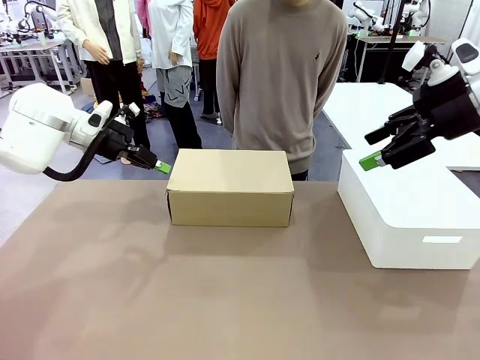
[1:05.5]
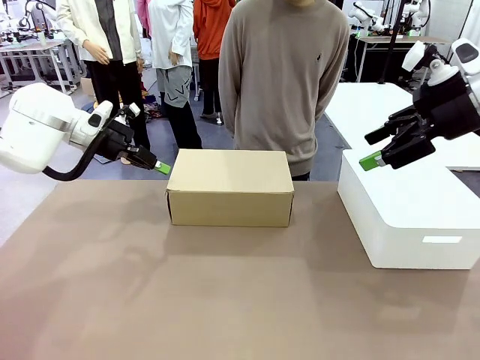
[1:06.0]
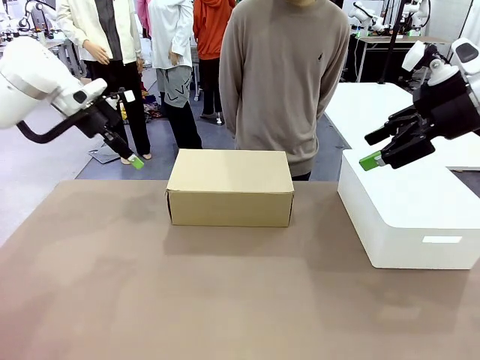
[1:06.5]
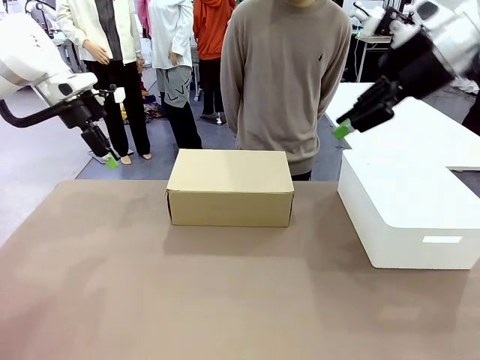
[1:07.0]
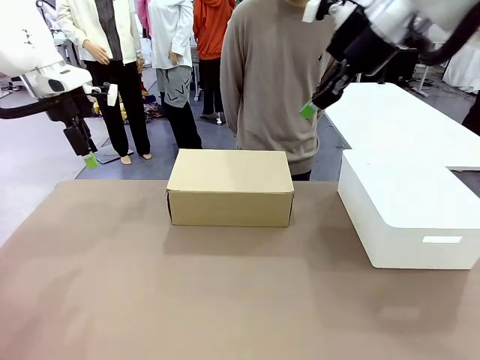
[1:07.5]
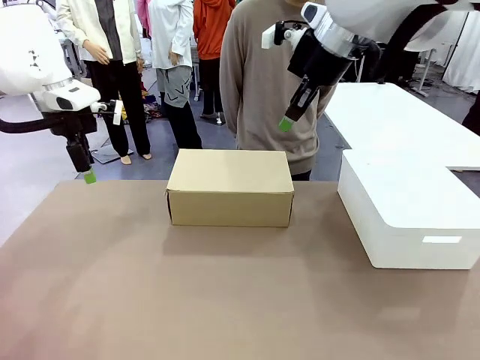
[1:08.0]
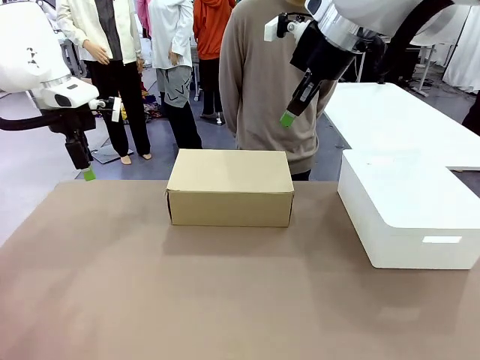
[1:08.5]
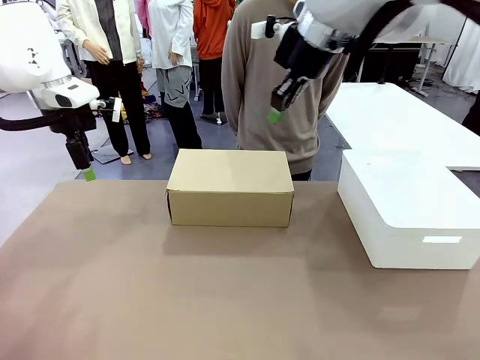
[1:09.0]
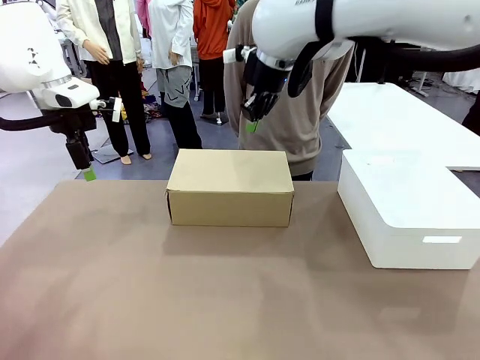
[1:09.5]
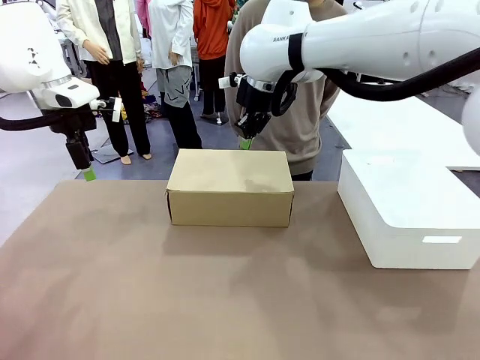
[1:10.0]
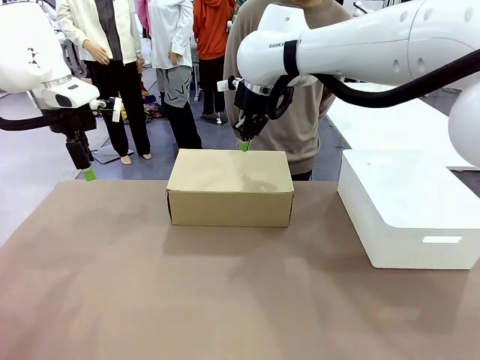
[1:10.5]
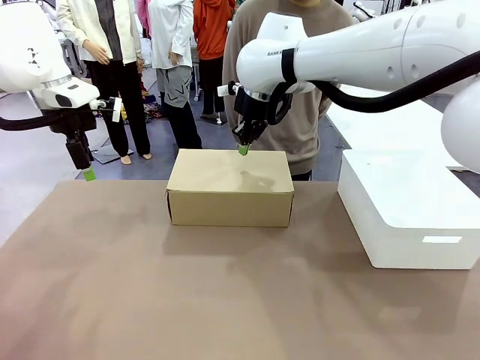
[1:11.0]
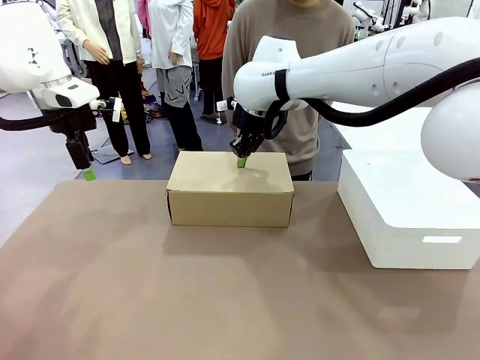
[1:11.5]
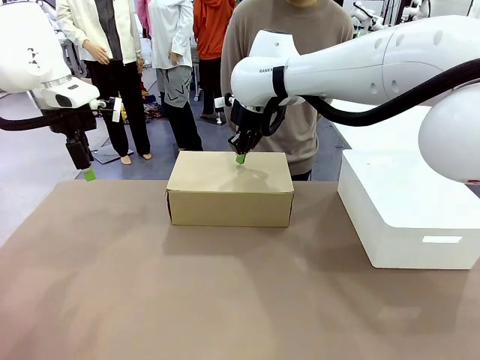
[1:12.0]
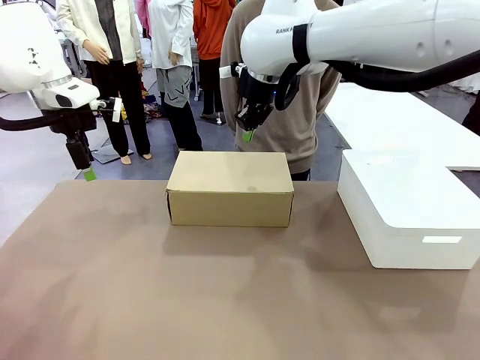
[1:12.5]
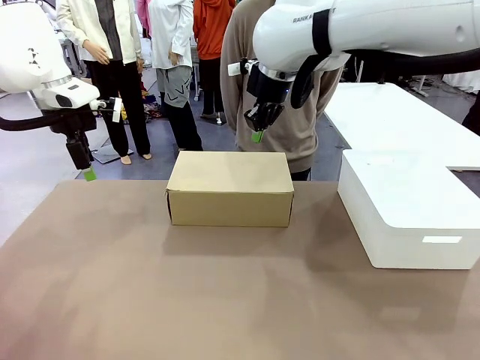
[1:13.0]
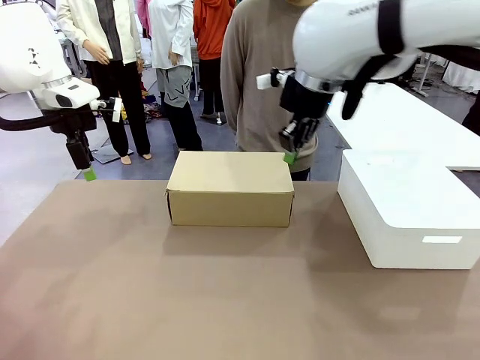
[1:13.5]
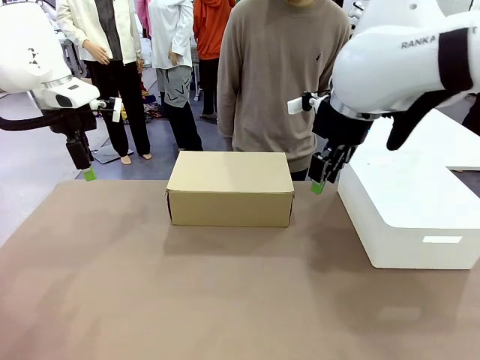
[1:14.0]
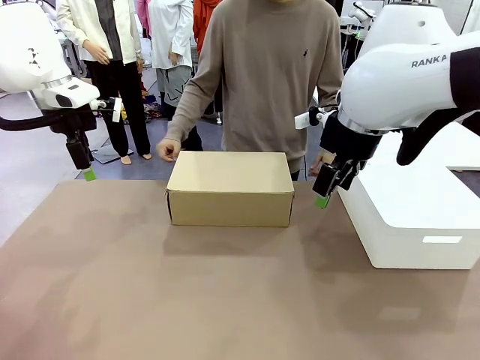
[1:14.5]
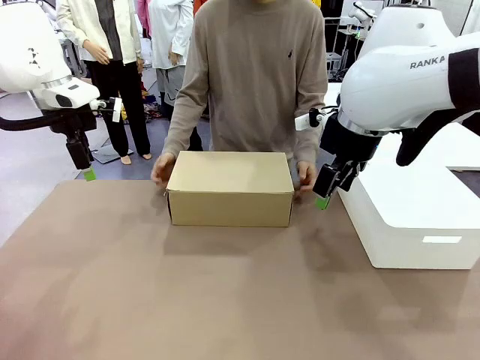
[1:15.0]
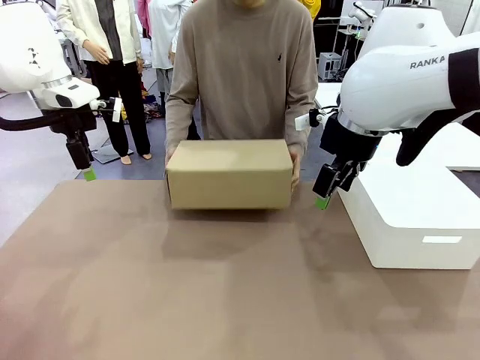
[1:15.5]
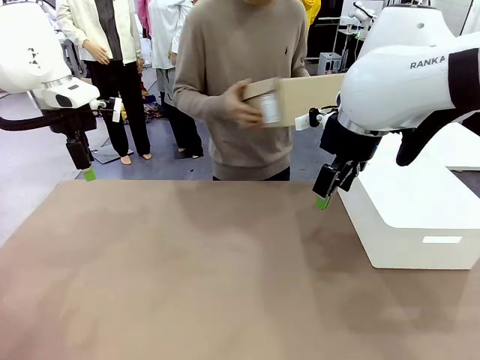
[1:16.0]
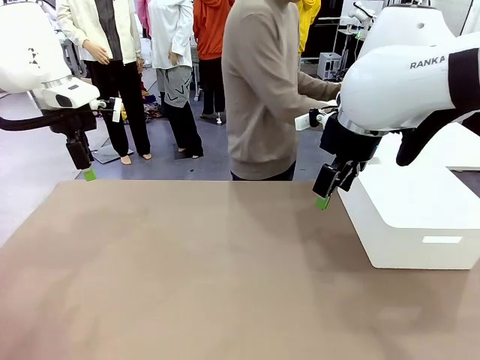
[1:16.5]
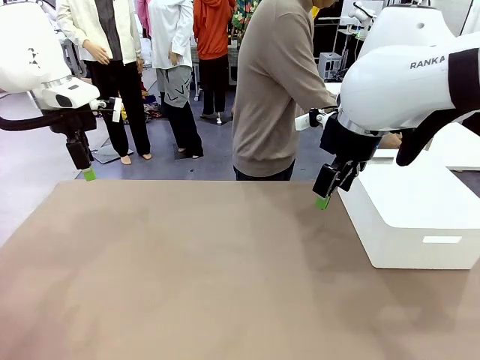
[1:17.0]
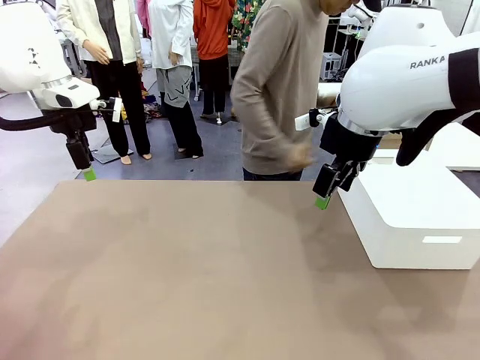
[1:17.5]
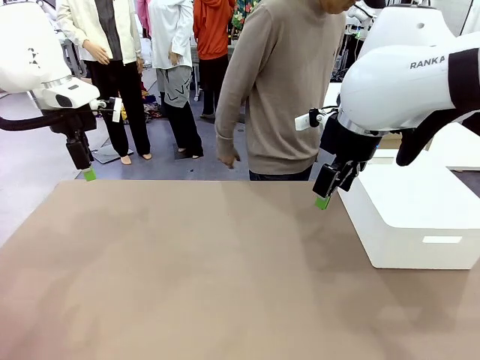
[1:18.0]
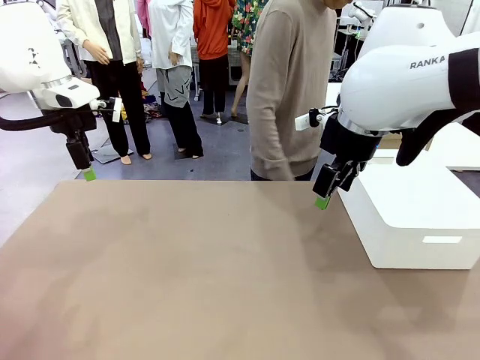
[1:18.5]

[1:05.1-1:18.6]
Task: Pack the shoes into the box.
Robot: Press down on the lid of the Shoes Box.
Person: Place the closed Shoes Box to the right side of the human table.

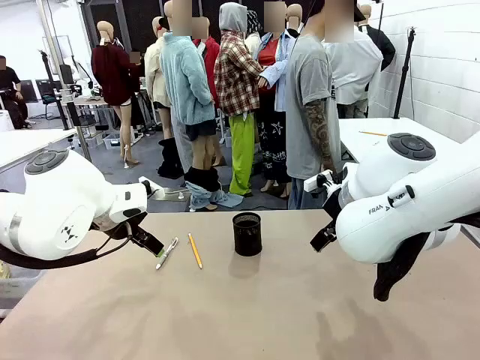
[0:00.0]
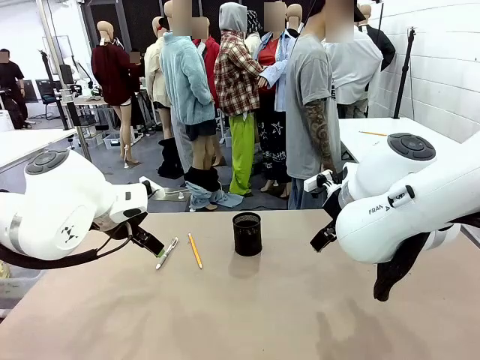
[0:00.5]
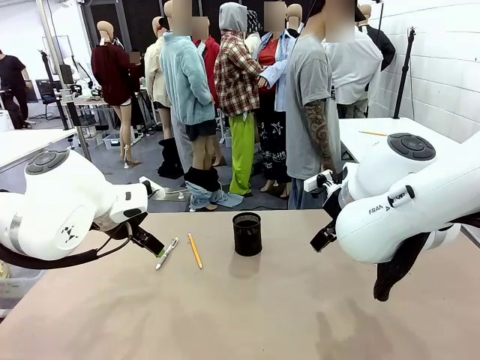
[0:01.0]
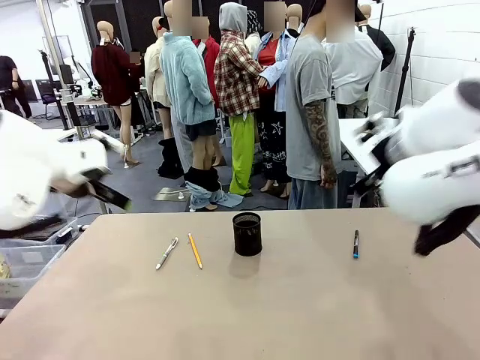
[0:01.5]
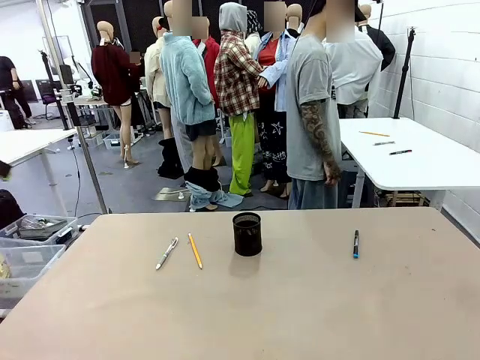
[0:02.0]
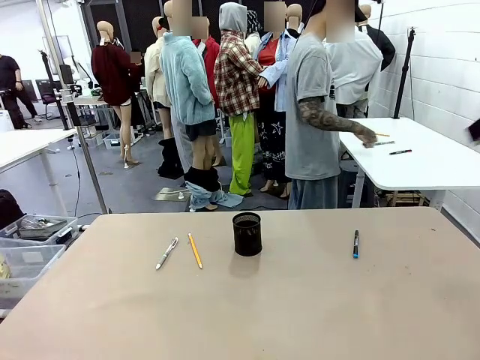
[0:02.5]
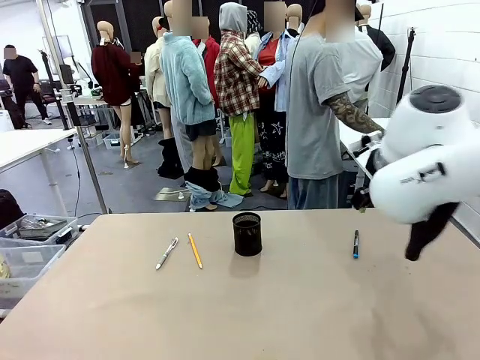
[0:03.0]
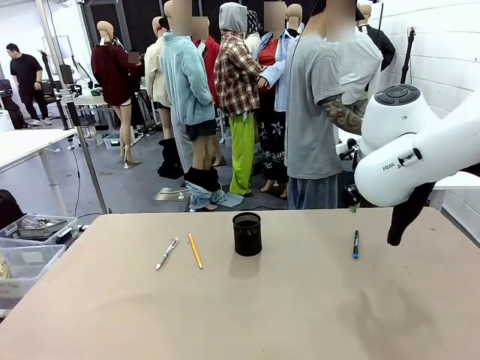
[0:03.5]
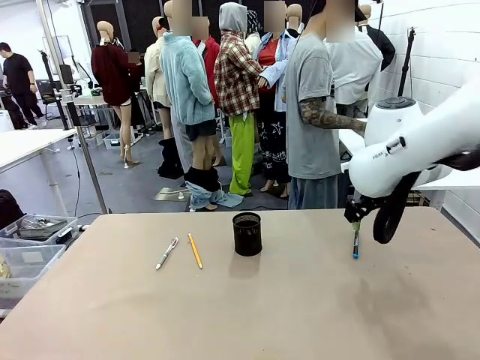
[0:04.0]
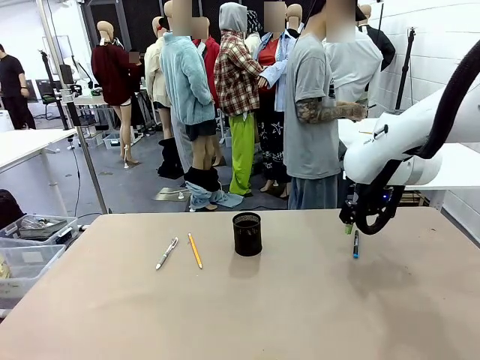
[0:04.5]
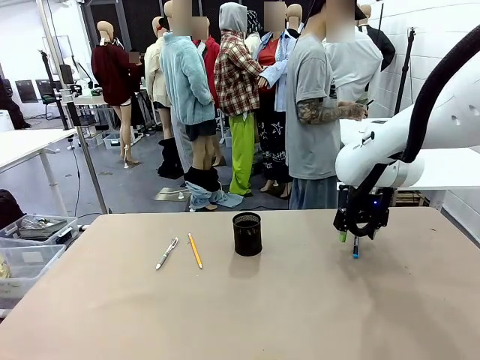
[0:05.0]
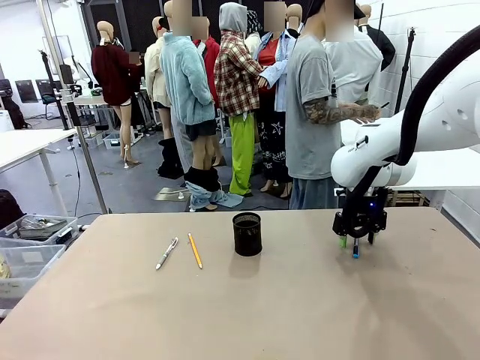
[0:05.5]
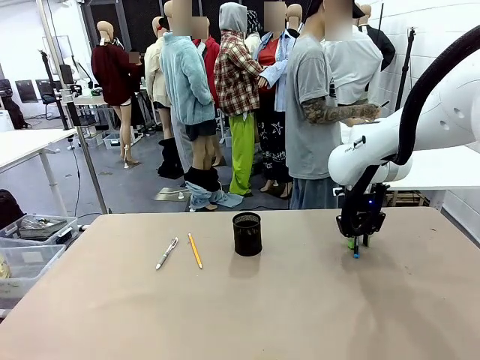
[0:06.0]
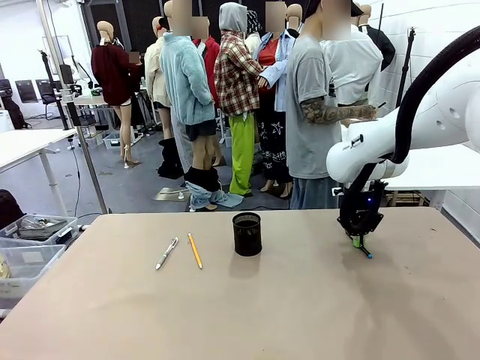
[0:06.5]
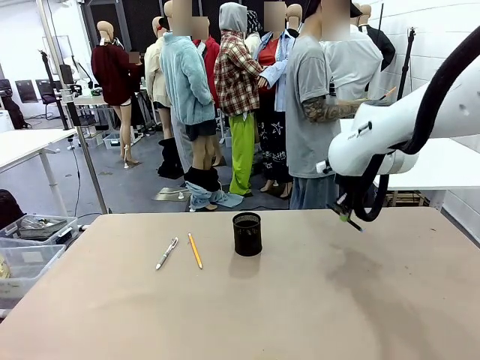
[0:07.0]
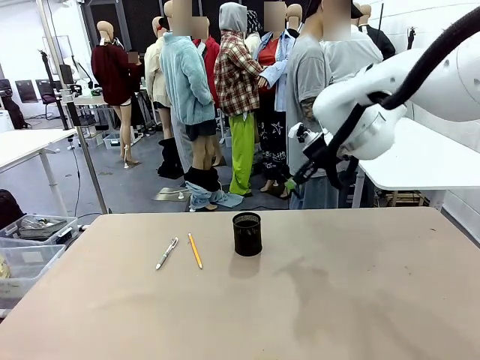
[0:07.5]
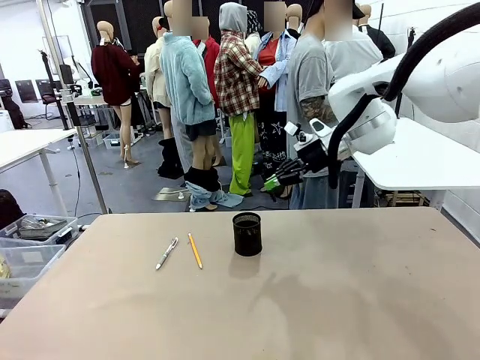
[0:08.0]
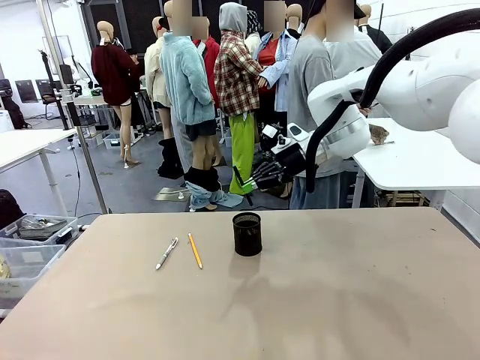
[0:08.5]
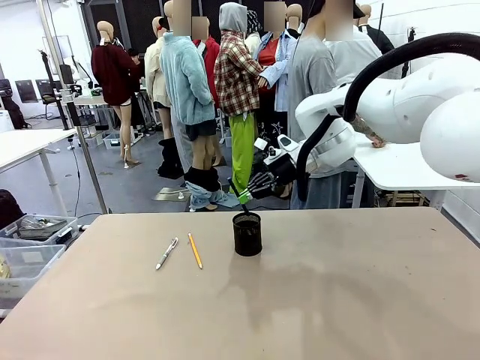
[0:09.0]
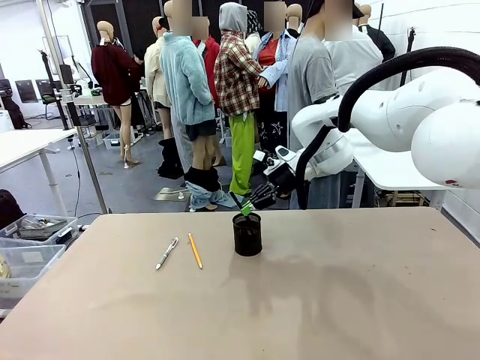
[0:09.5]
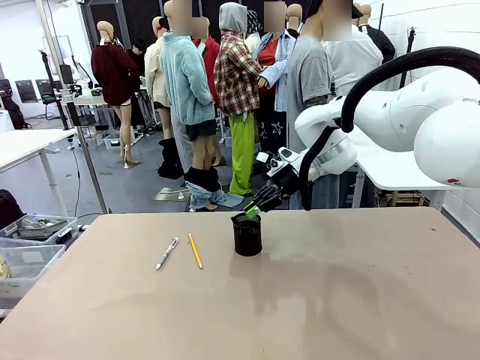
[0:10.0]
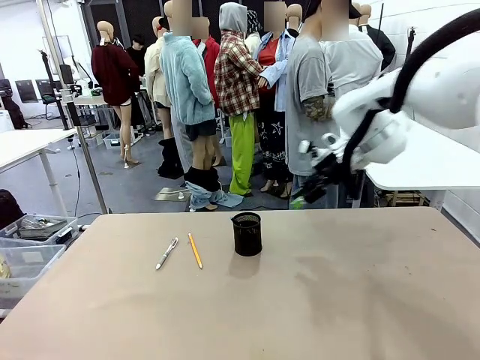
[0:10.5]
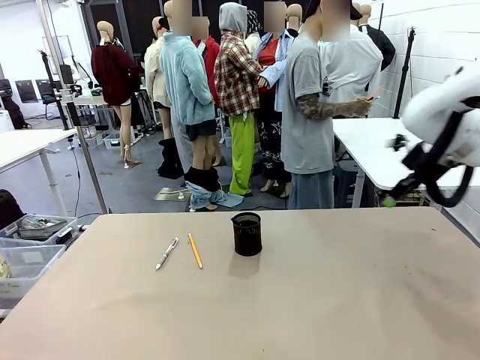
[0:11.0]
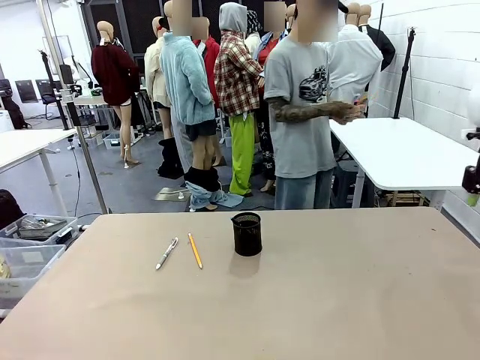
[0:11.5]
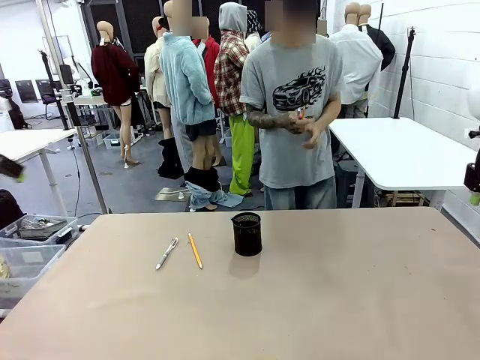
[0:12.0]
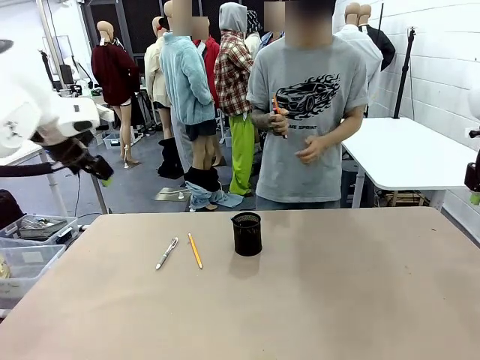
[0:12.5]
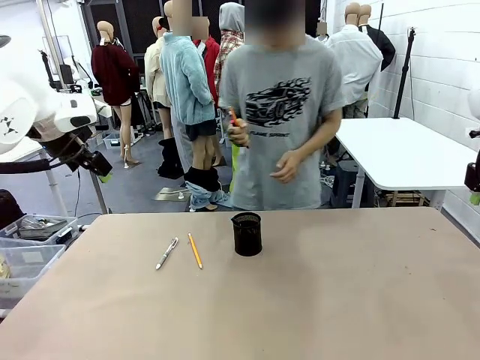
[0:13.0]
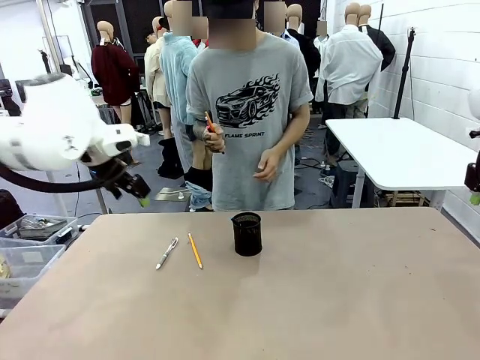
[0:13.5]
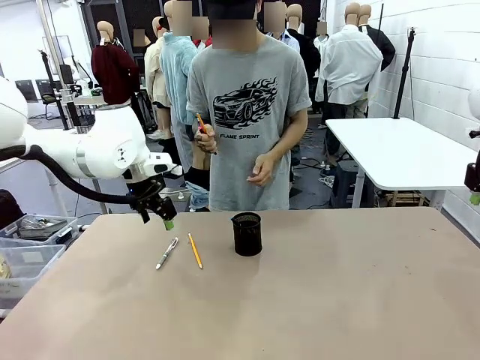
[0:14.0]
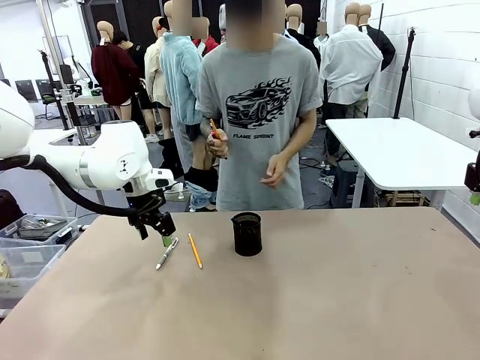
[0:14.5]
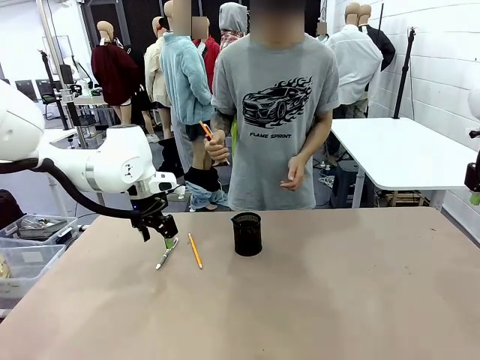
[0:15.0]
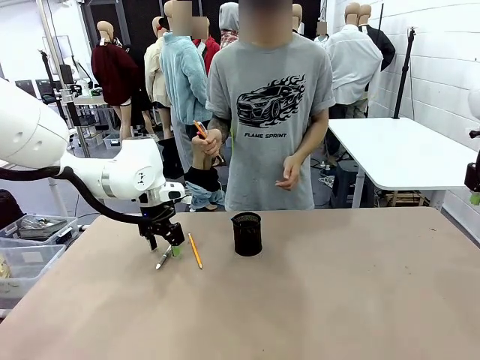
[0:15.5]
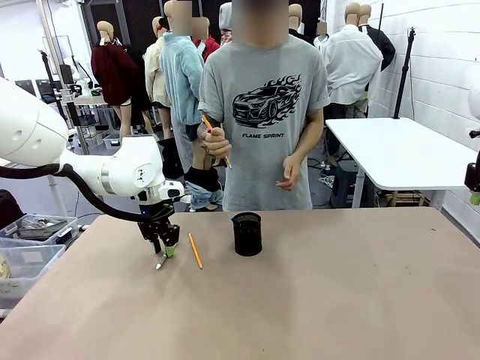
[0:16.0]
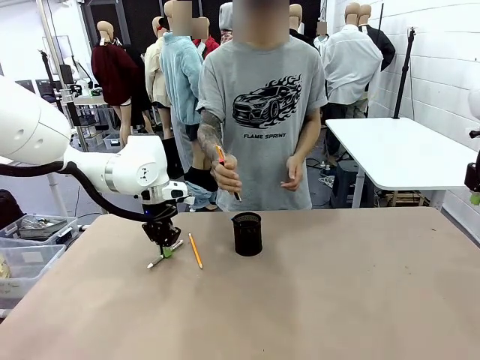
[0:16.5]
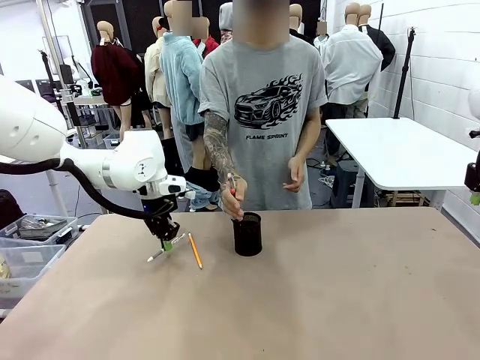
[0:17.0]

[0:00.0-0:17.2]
Task: Place the pens into the pen holder.
Robot: Pick up a writing instrument from the table and place it into the Pen holder.
Person: Pick up all writing instruments from the Human table.
